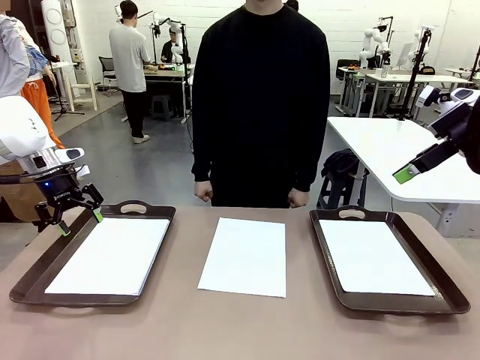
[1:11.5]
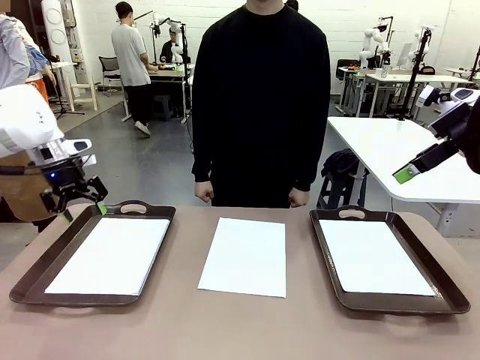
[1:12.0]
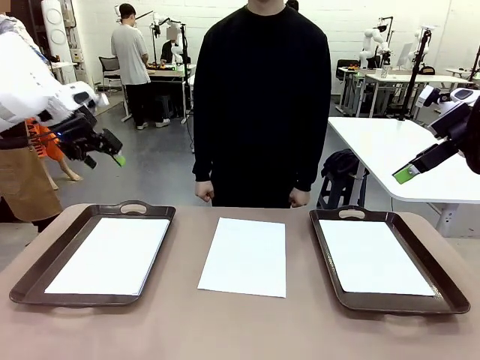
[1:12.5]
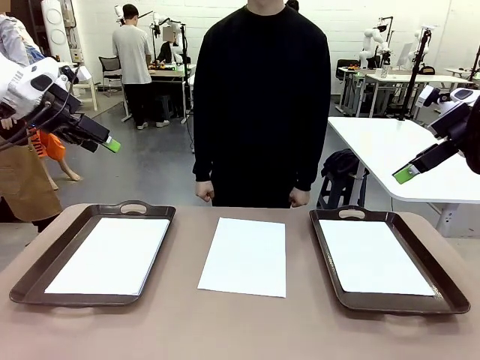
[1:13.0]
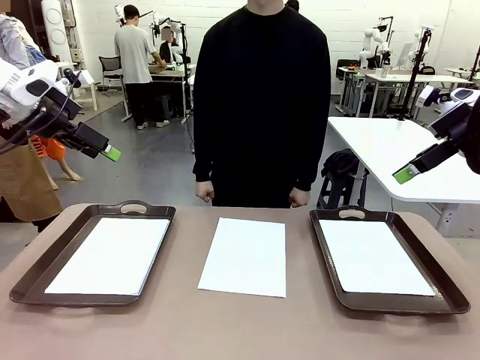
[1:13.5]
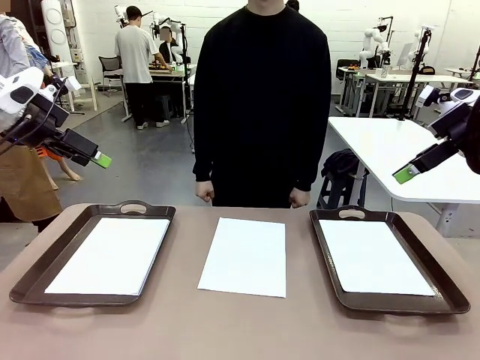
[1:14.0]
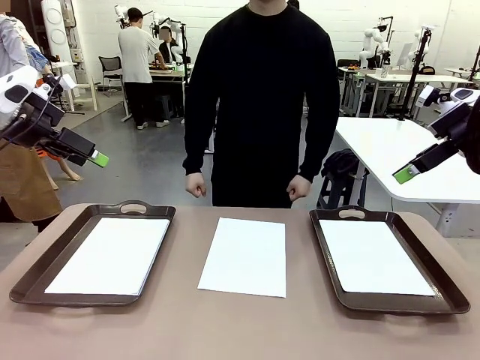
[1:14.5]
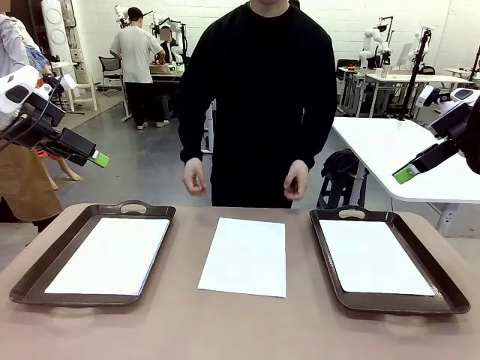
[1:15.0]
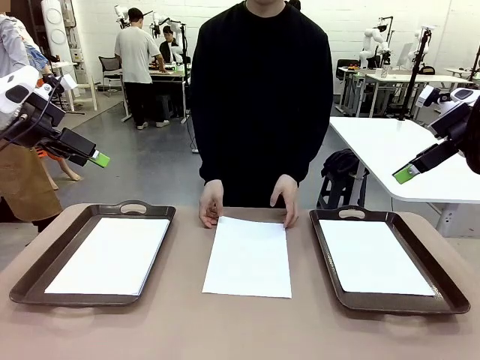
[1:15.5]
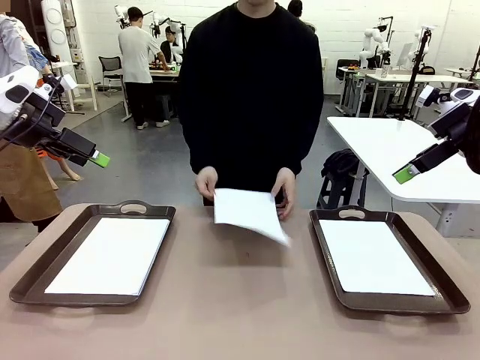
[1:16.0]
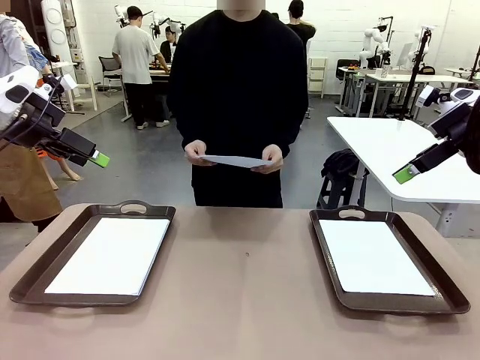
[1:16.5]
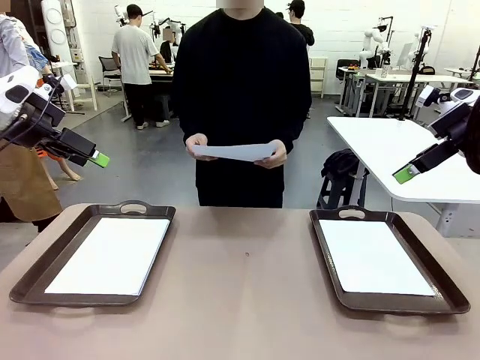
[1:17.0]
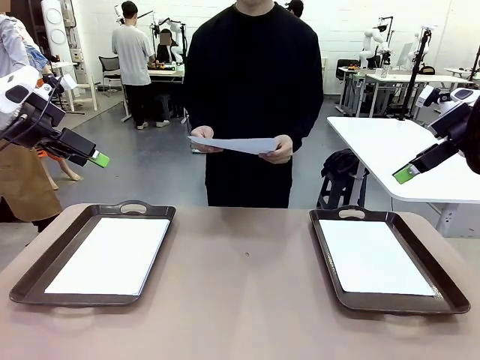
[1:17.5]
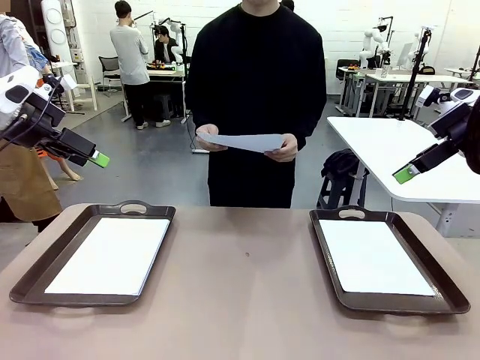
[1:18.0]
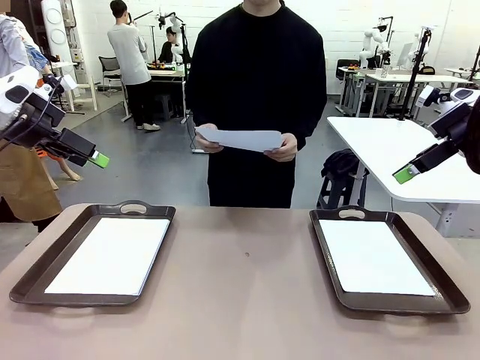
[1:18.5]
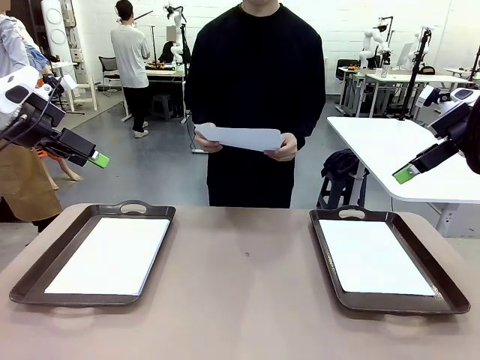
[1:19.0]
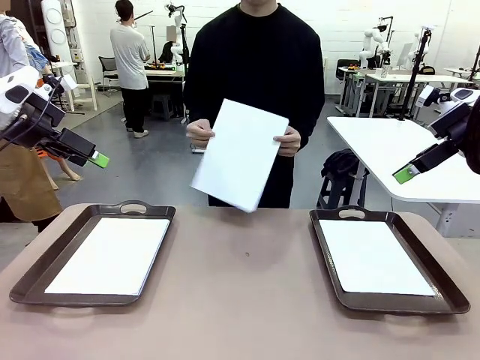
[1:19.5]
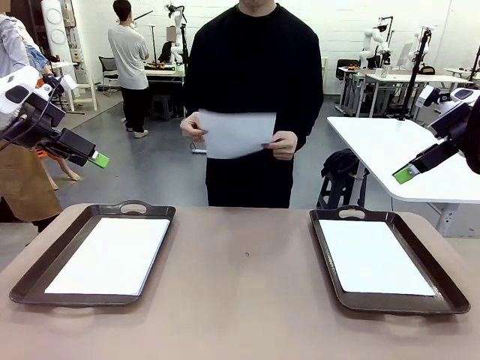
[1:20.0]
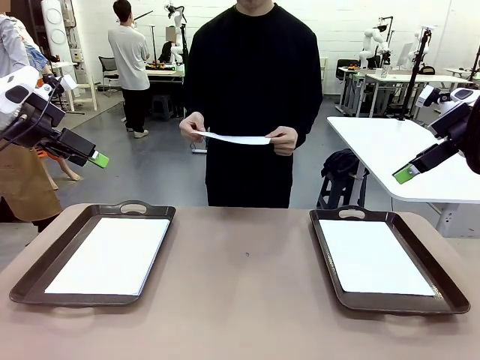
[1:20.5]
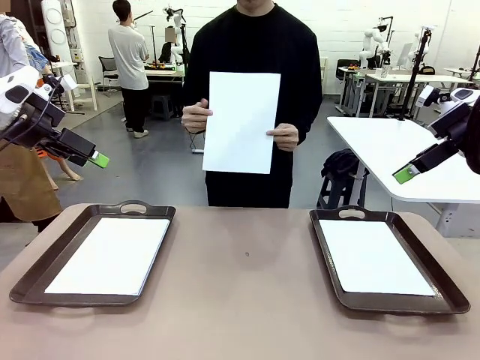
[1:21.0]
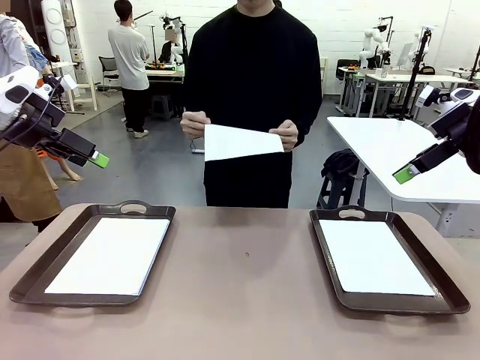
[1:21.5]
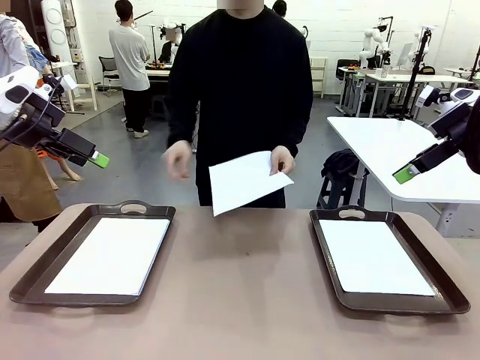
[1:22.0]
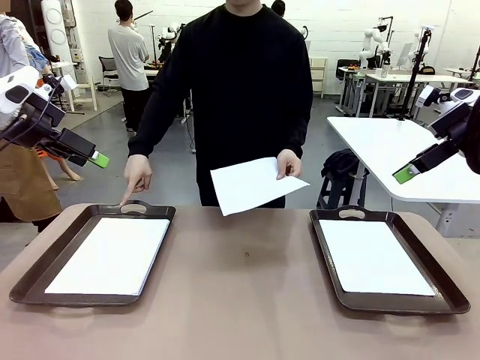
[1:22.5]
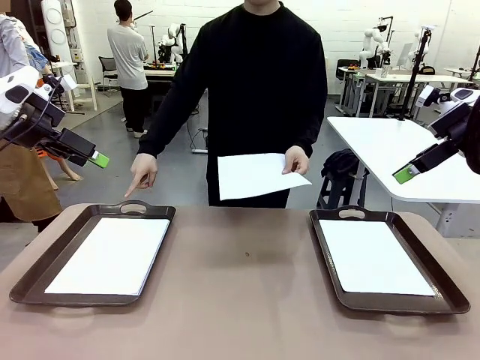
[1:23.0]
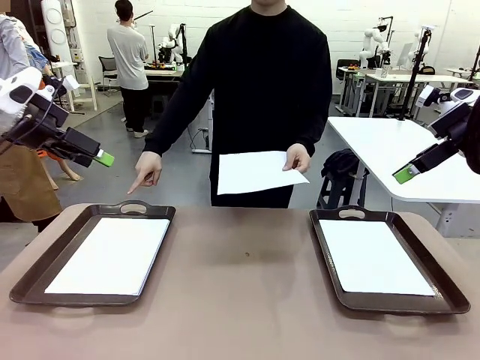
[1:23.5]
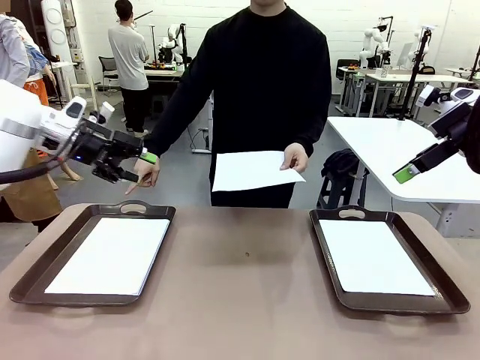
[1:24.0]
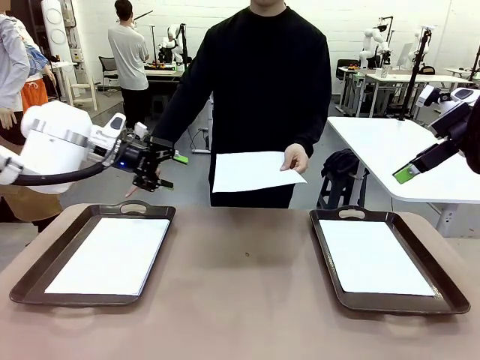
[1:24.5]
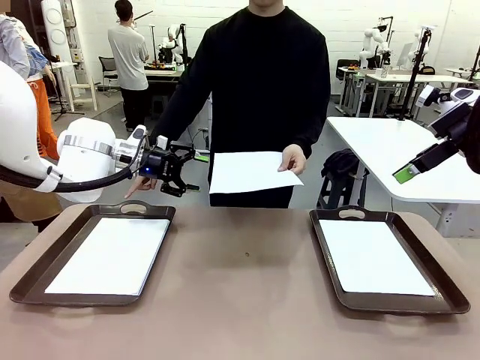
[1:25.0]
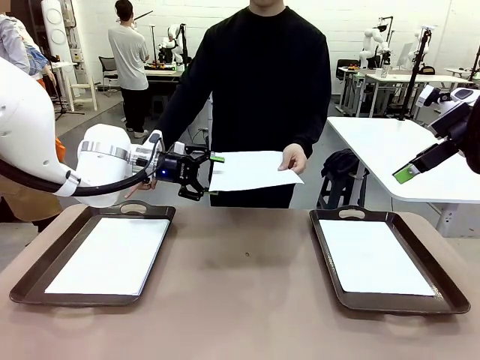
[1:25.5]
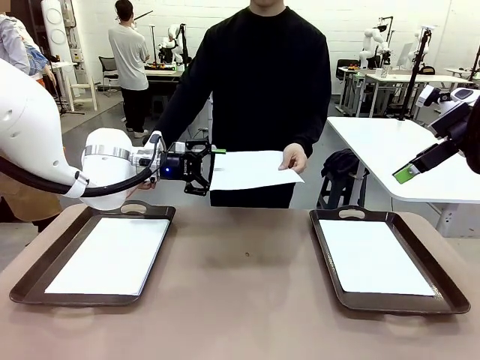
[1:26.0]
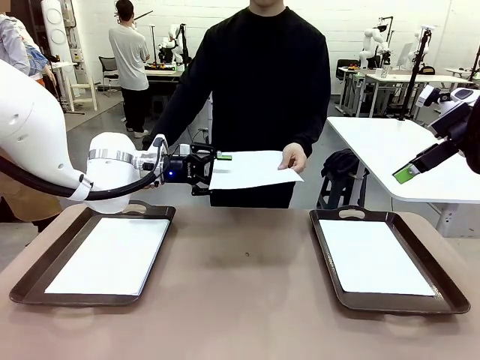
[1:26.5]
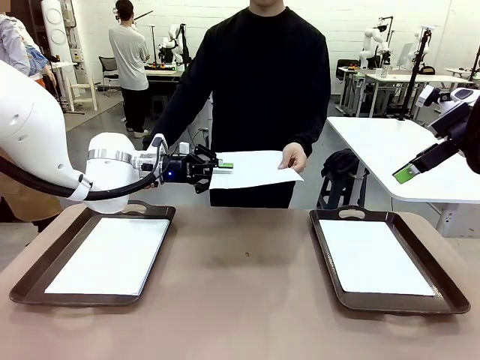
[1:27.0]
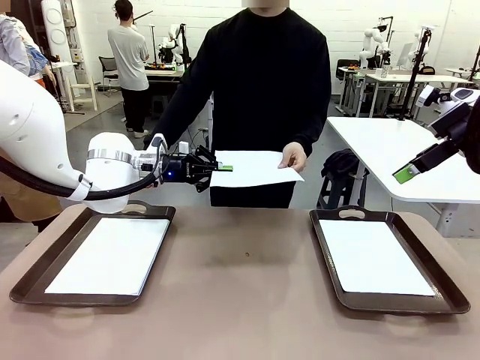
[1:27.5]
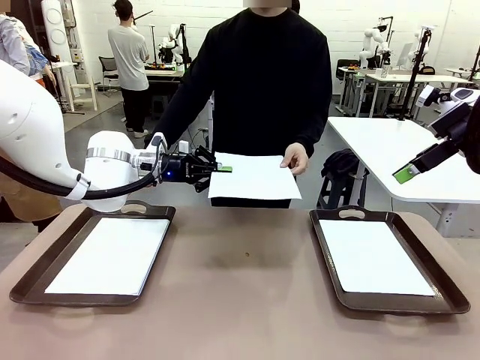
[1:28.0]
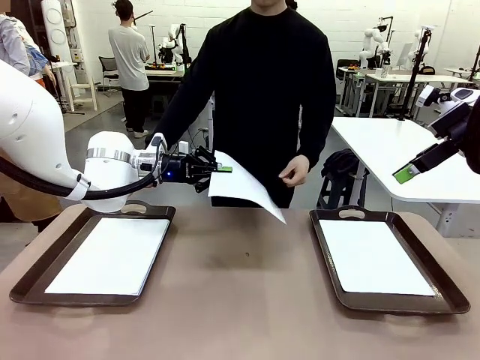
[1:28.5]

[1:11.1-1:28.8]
Task: Sort the A4 documents.
Robot: Receive the A4 Paper.
Person: Point the randomly selected tray with the other hand.

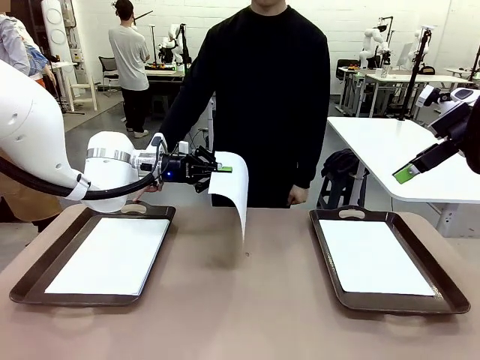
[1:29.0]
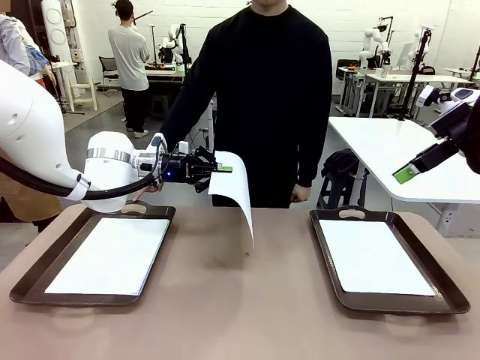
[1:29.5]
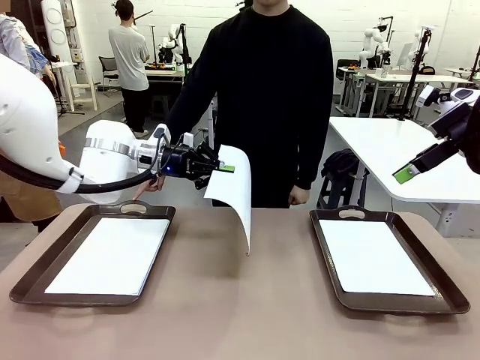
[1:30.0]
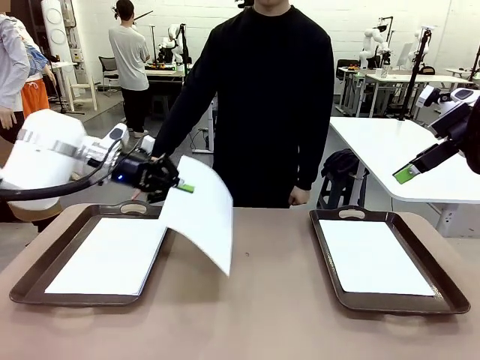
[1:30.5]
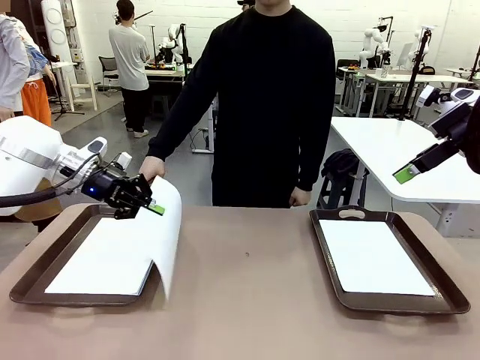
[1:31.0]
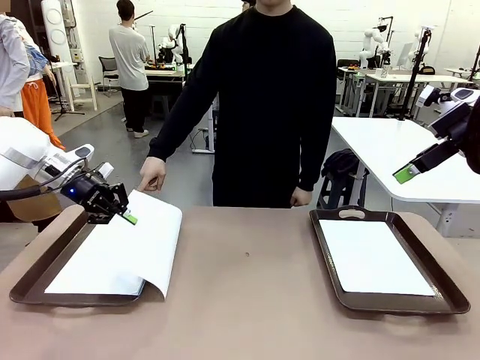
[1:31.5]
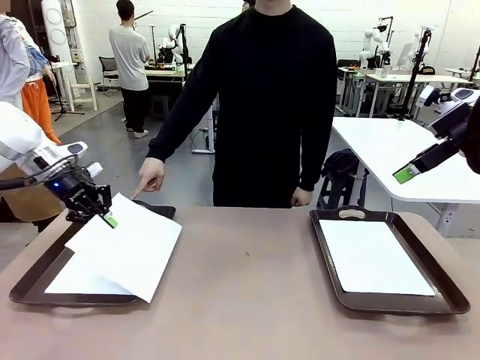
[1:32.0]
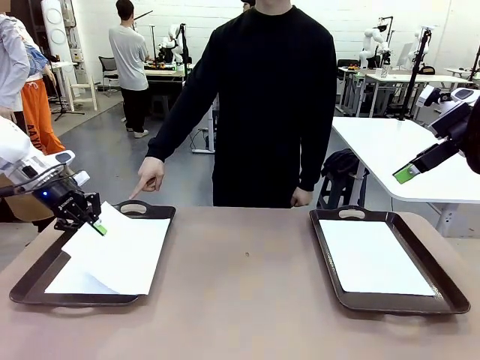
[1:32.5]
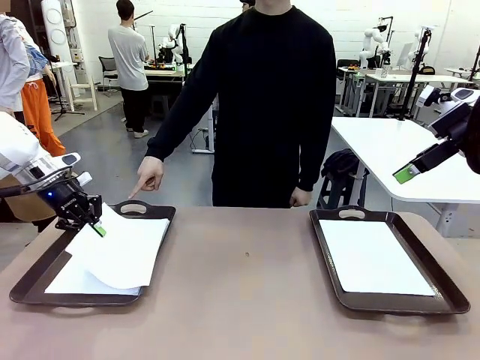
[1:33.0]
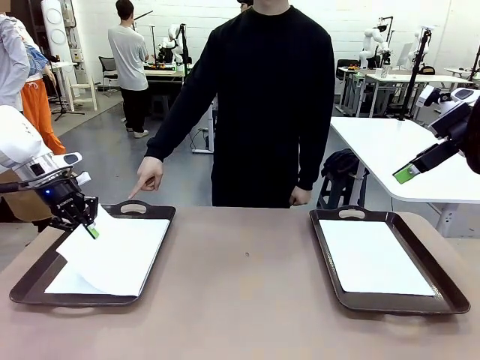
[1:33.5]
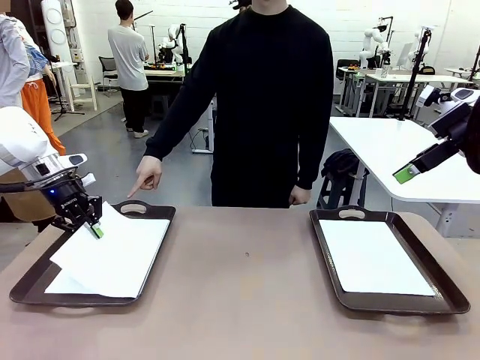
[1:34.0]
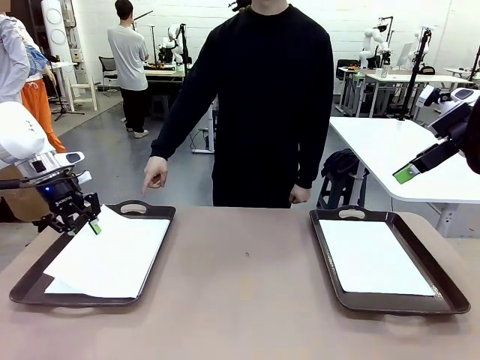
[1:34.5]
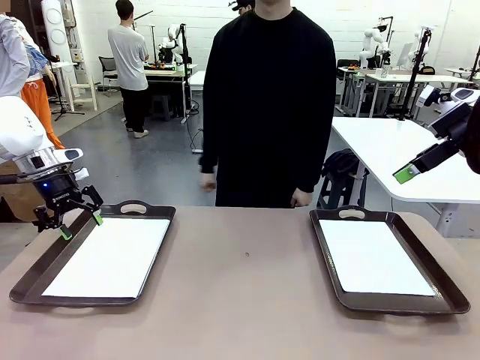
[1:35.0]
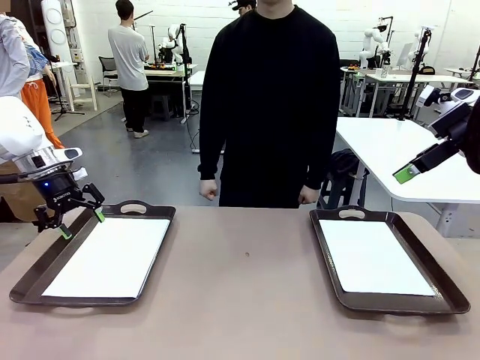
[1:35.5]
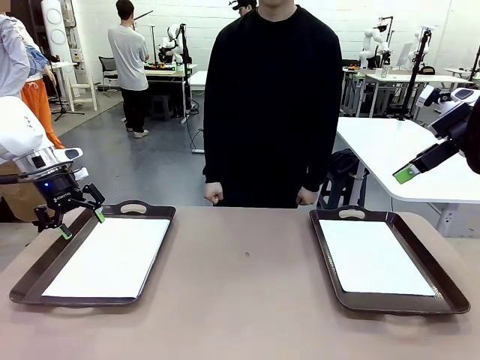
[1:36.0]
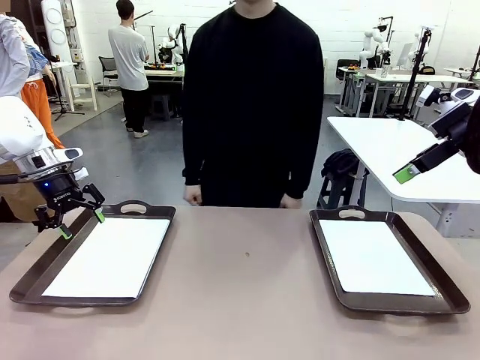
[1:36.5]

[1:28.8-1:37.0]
Robot: Place the A4 Paper in the designated Handle tray.
